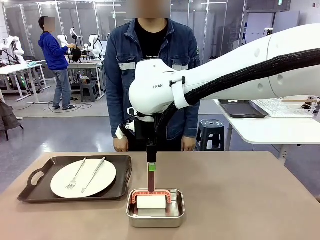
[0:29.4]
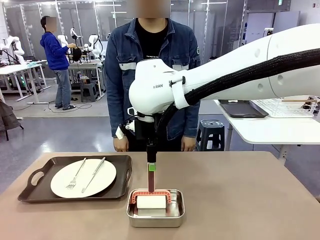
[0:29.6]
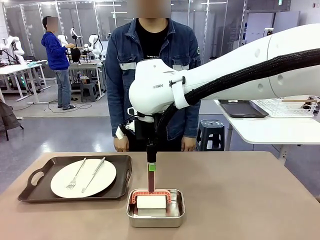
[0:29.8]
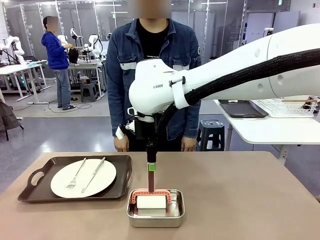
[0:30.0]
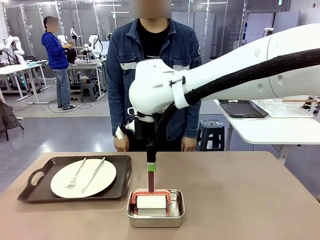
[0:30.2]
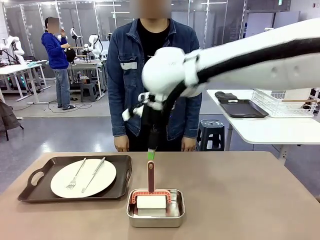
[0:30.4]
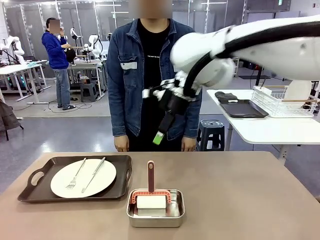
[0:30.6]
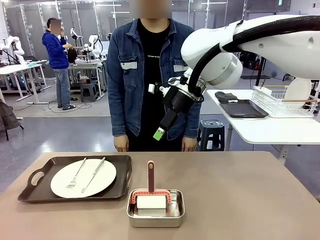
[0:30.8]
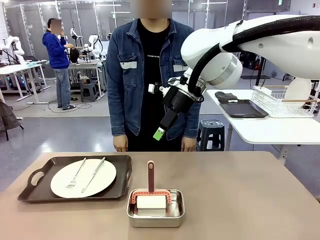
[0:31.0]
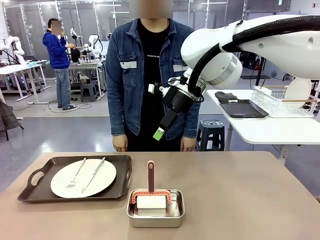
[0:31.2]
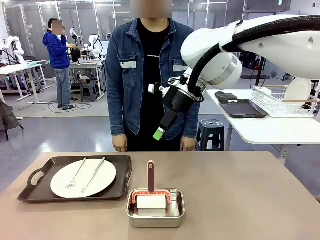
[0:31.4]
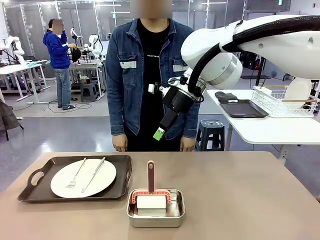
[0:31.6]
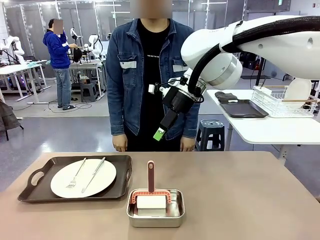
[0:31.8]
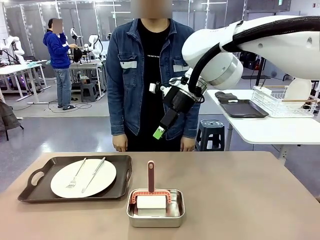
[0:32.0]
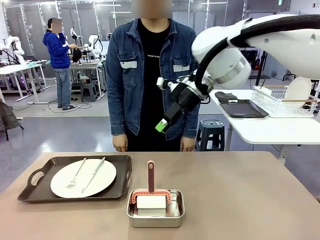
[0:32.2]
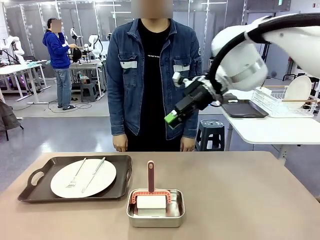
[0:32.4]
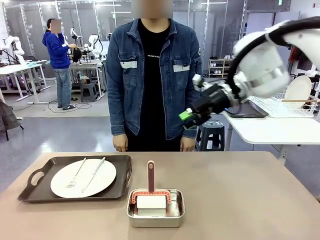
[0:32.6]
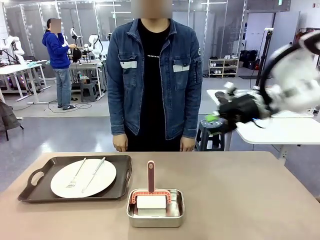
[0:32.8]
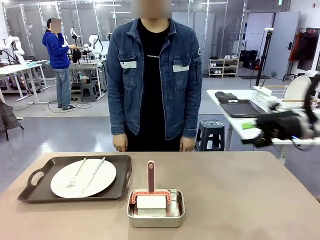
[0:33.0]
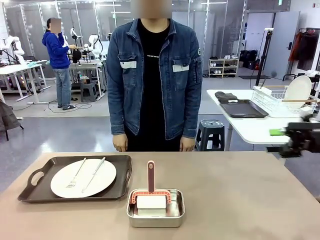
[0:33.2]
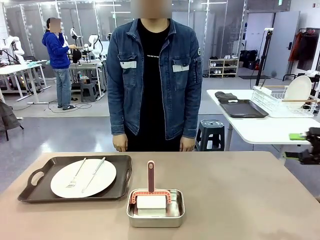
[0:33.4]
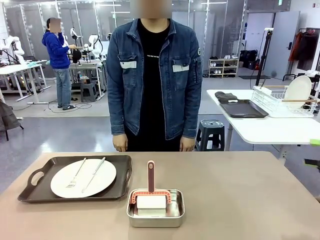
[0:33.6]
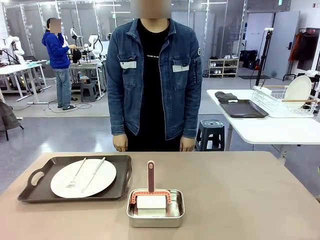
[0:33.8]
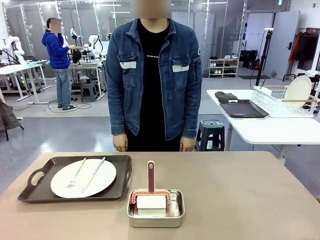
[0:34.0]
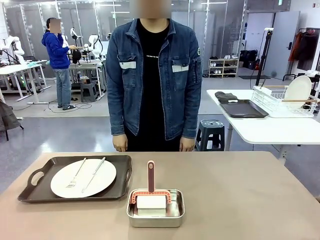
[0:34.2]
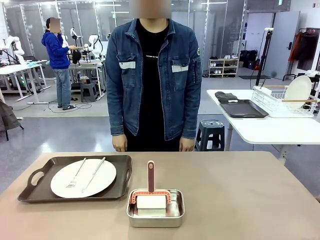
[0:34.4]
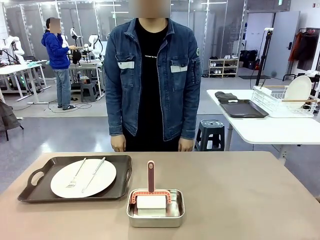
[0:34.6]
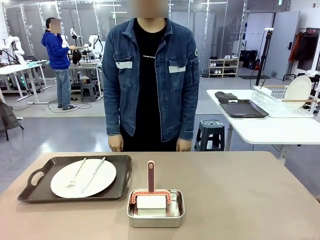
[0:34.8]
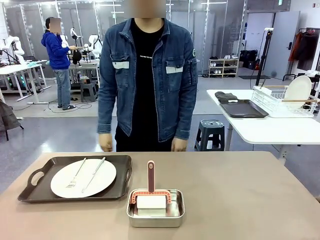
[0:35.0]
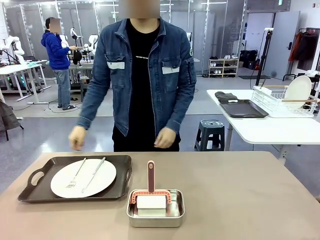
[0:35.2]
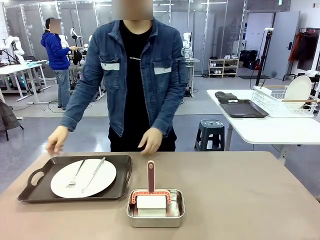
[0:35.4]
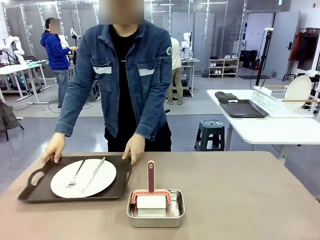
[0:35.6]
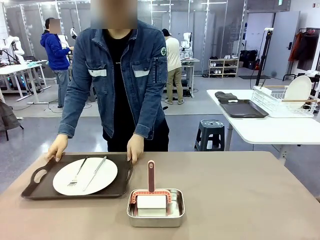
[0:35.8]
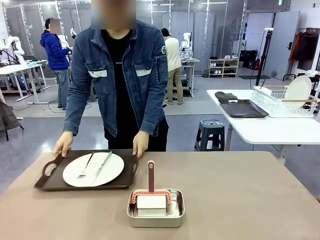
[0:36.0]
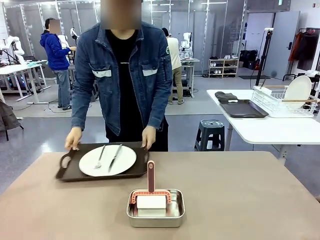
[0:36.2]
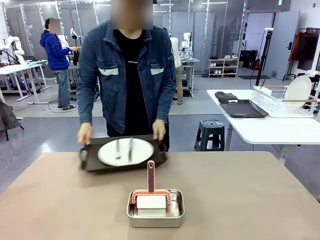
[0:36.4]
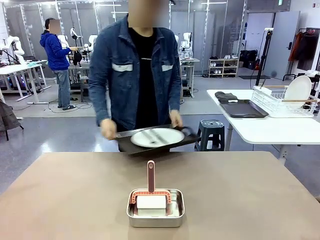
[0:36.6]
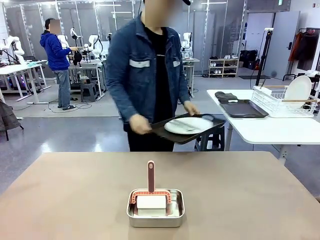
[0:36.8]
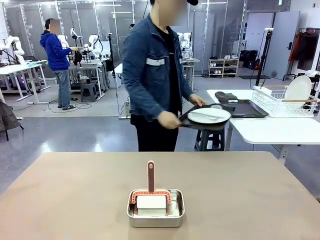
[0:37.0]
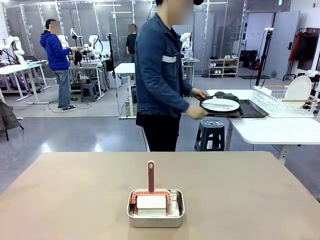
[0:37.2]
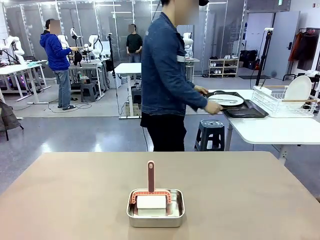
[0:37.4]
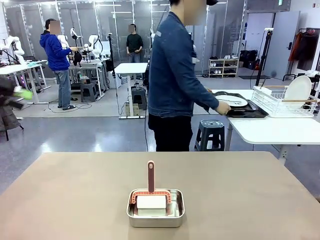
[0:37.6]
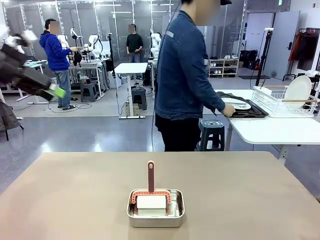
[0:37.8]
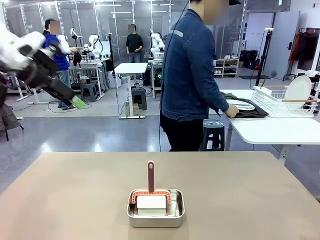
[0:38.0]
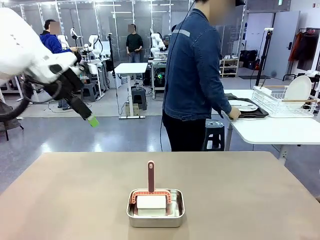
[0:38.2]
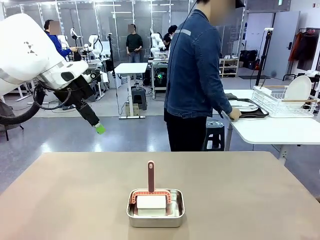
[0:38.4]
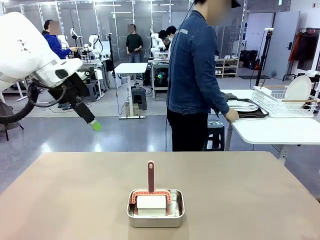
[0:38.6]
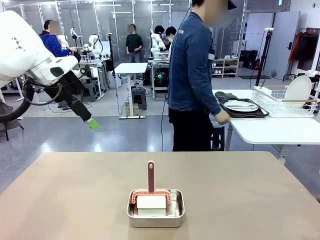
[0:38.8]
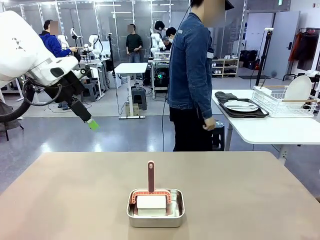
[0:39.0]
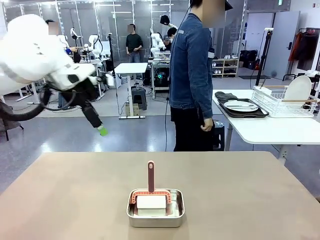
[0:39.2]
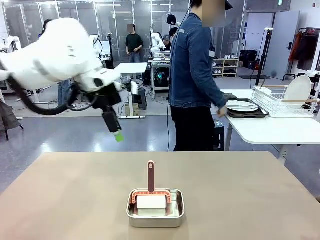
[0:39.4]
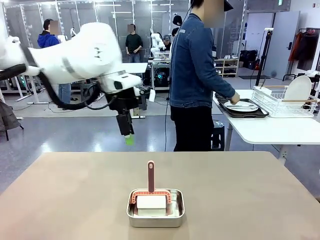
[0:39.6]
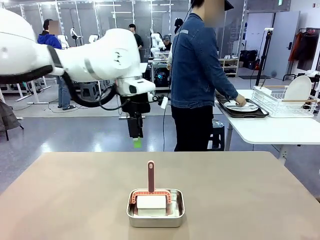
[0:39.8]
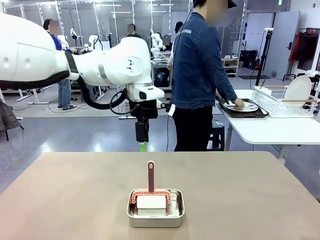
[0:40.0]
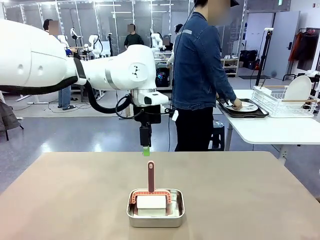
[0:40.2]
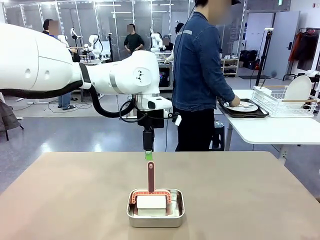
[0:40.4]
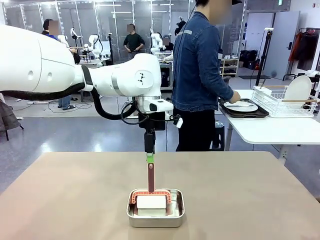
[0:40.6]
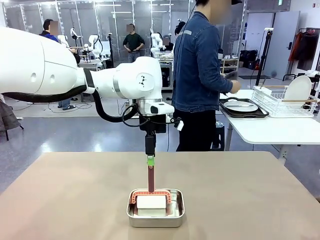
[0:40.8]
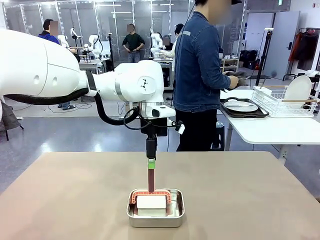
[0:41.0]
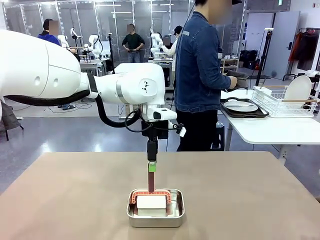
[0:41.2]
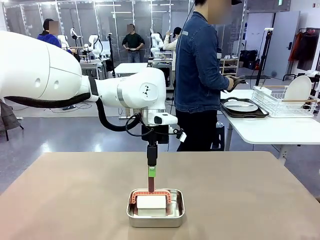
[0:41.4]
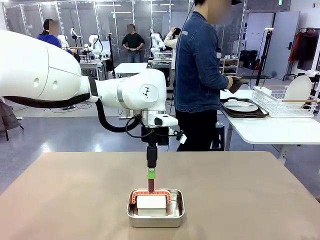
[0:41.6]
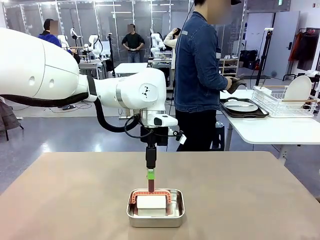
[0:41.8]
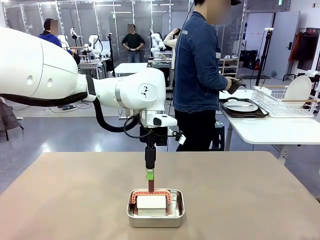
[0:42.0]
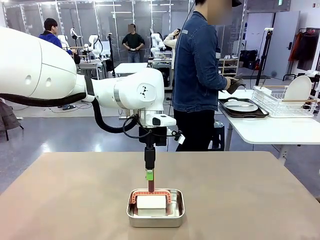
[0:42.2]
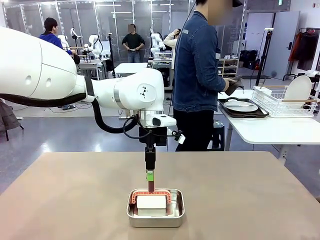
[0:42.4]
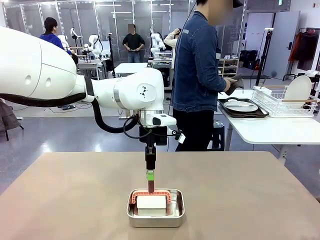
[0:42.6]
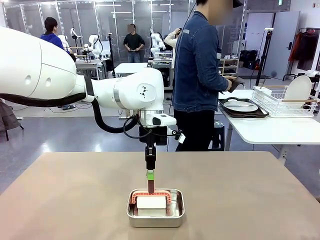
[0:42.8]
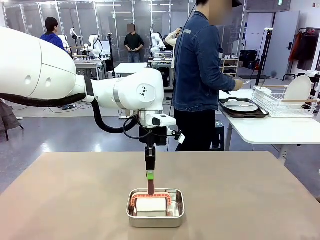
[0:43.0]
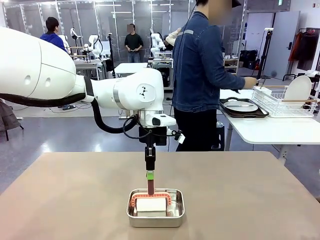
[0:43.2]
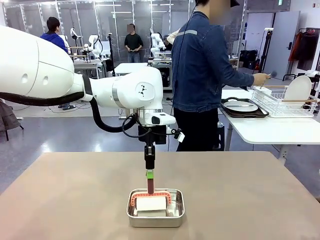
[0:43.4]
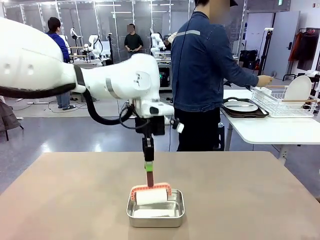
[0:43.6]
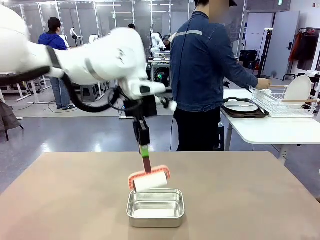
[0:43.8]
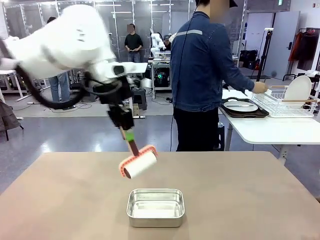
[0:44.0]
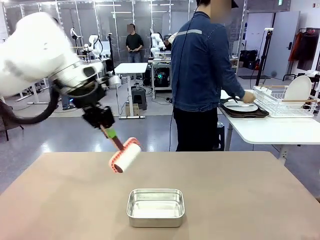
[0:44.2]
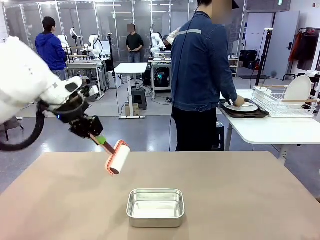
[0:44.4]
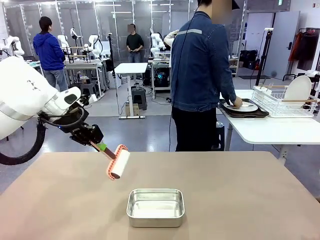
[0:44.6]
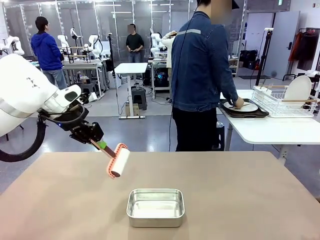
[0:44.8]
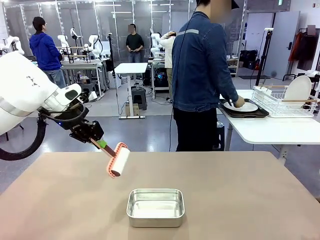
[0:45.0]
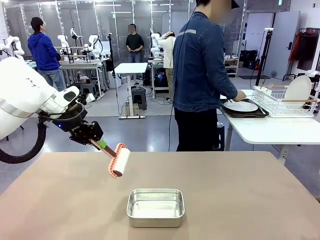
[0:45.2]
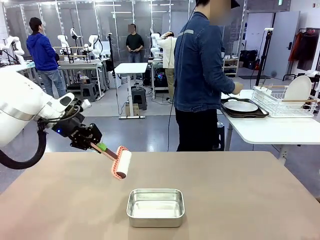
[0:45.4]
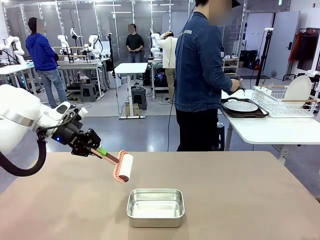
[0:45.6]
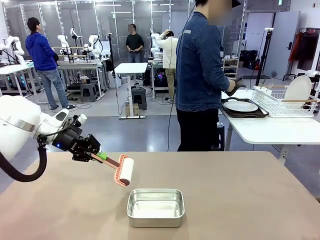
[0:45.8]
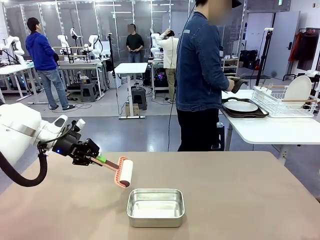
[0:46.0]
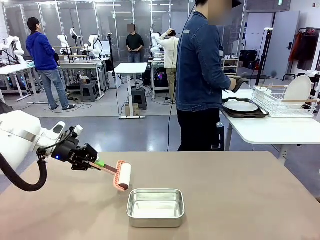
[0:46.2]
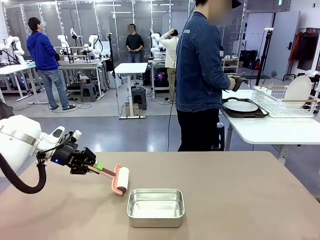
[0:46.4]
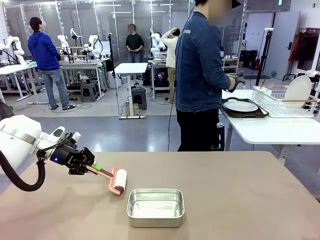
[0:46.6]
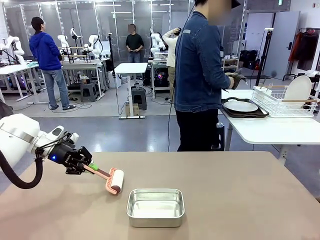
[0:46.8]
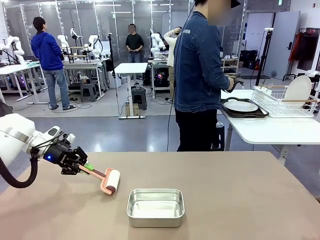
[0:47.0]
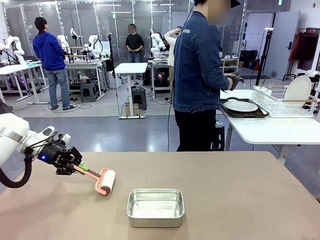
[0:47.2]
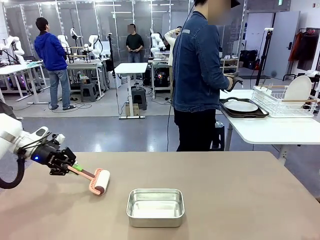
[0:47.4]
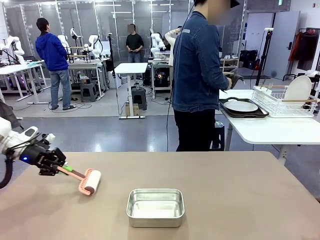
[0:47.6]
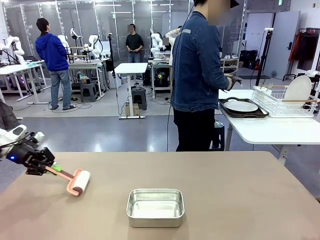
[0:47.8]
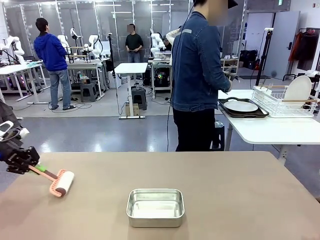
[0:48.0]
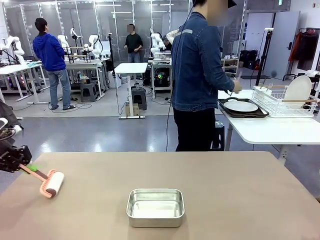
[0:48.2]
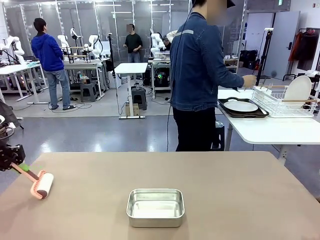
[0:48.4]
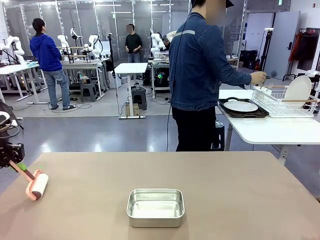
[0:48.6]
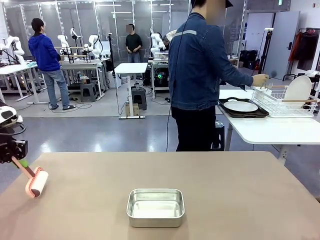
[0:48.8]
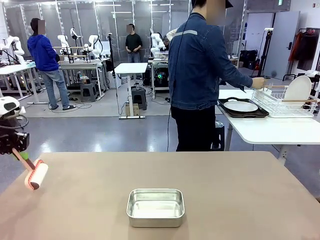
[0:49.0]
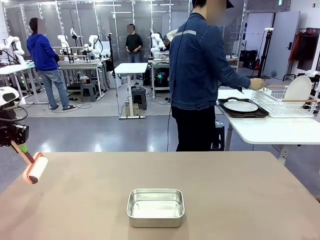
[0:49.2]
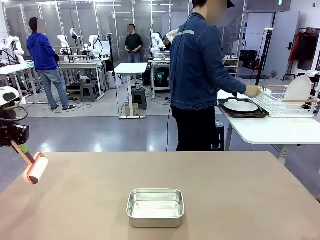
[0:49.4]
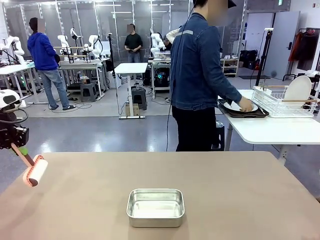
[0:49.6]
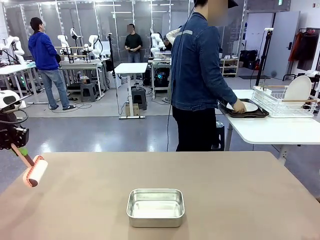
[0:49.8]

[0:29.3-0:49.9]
Robot: When the right (or left) Handle tray is removed, use the right hand (or left hand) to clean the right (or left) side of the table with the Lint Roller.
Person: Pick up the left (or right) Handle tray and place it on the Handle tray. Use the Towel with hook to wipe the Plastic Matte Plate , Fork , and Knife and place into the Dish drying rack.

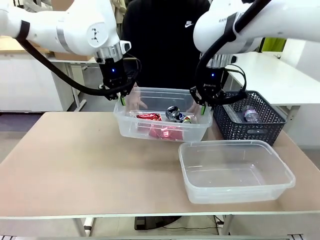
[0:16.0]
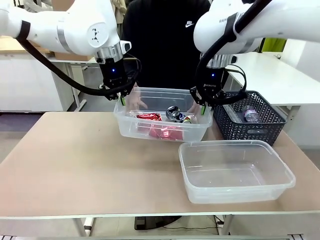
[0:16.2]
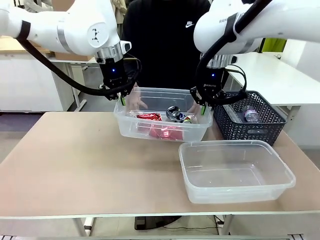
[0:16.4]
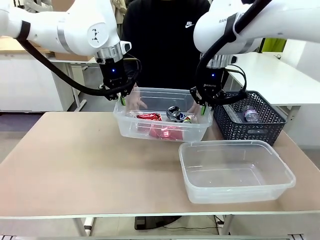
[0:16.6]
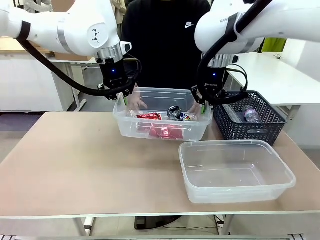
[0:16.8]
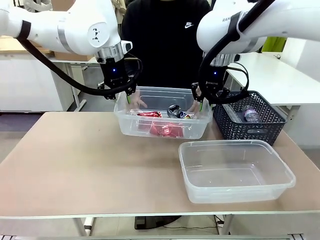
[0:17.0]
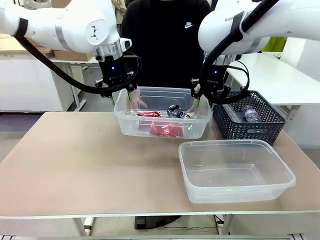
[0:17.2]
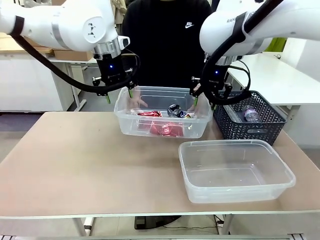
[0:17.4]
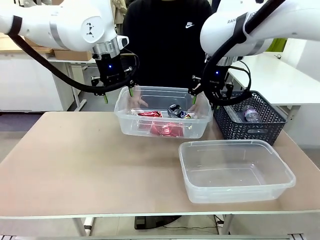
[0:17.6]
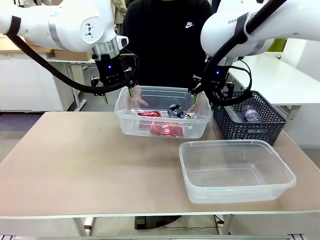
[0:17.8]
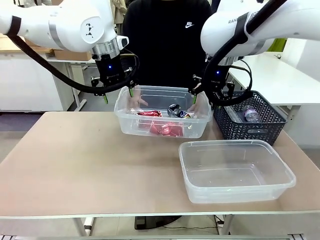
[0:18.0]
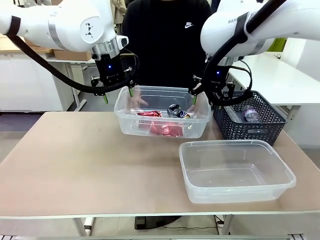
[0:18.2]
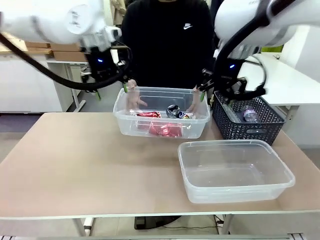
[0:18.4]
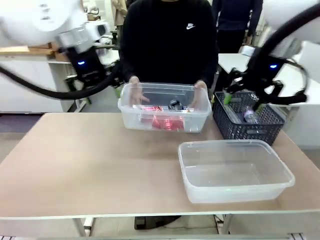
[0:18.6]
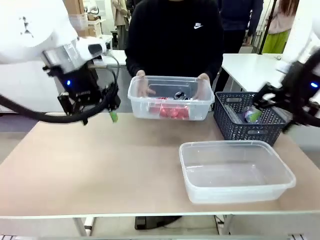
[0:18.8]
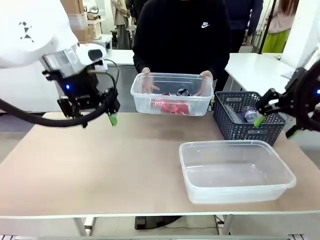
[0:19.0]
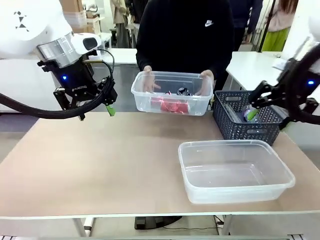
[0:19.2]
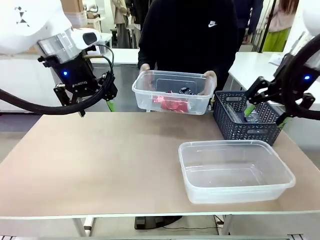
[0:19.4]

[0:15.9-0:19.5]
Robot: Release the Organizing box you were holding.
Person: Pick up the organizing box extended by the robot.
